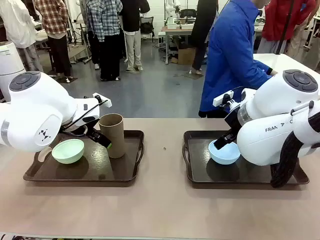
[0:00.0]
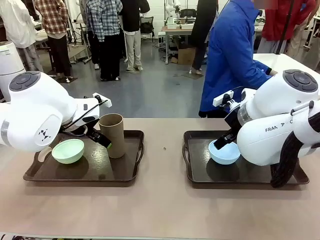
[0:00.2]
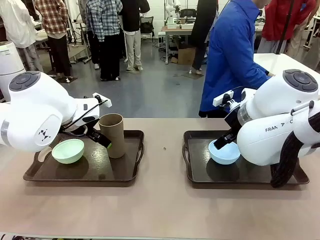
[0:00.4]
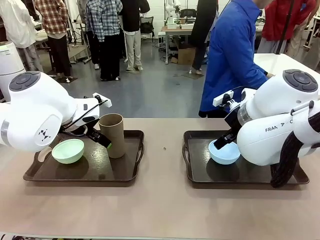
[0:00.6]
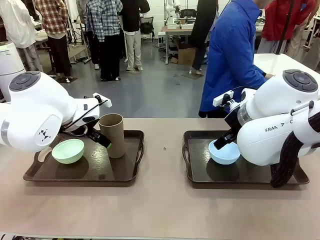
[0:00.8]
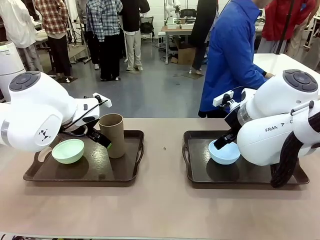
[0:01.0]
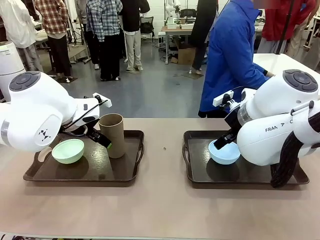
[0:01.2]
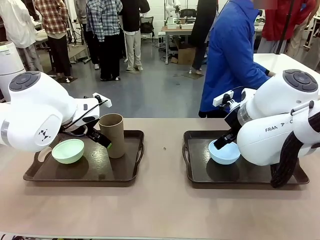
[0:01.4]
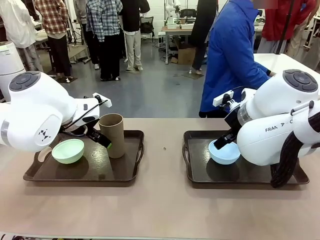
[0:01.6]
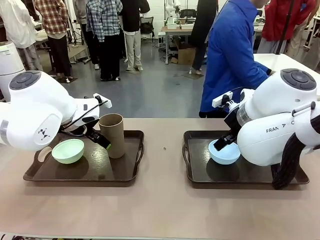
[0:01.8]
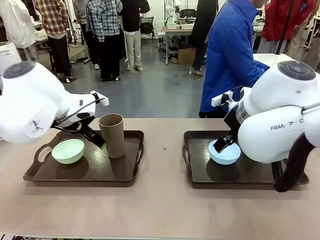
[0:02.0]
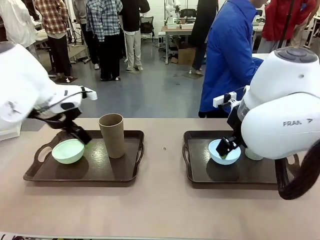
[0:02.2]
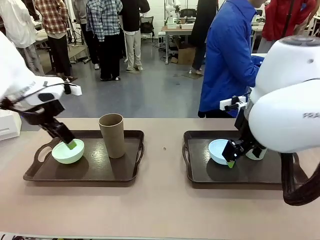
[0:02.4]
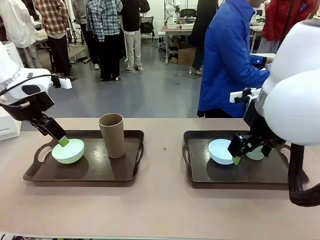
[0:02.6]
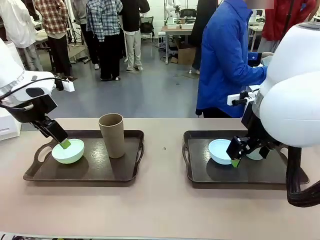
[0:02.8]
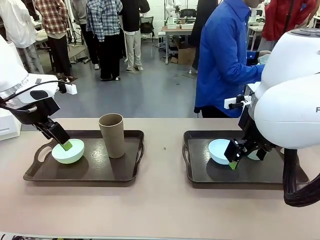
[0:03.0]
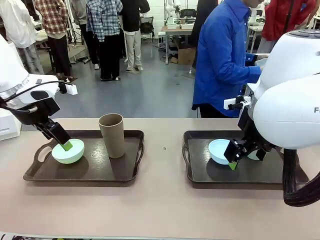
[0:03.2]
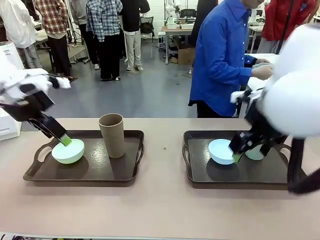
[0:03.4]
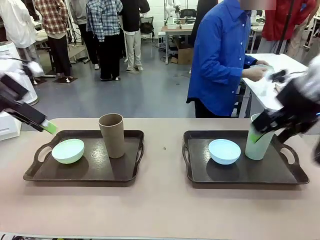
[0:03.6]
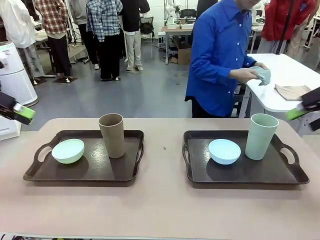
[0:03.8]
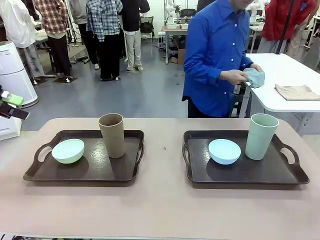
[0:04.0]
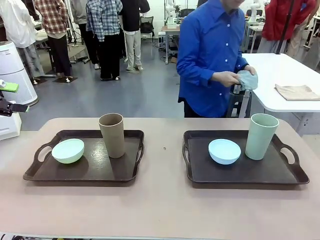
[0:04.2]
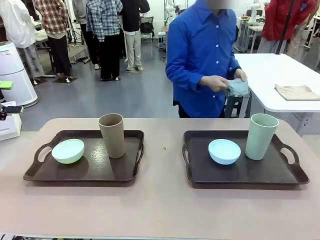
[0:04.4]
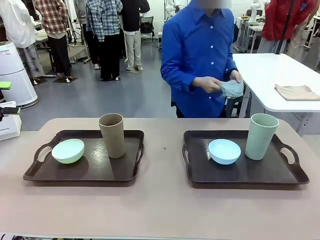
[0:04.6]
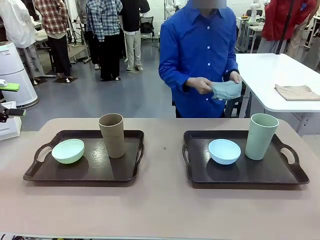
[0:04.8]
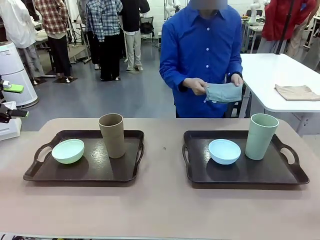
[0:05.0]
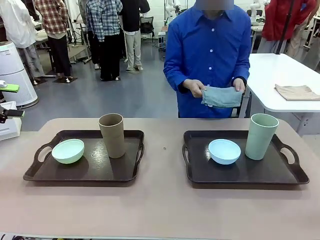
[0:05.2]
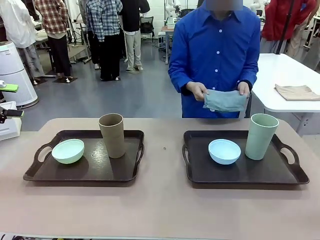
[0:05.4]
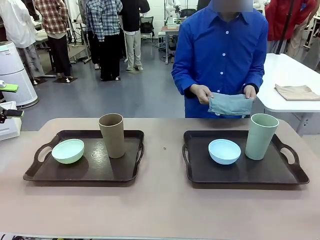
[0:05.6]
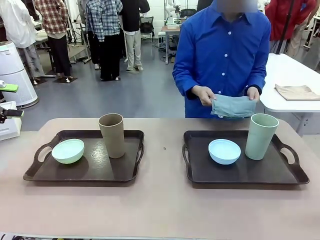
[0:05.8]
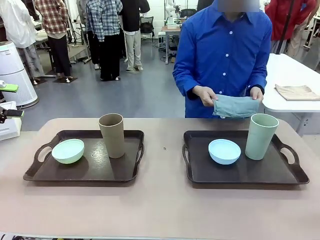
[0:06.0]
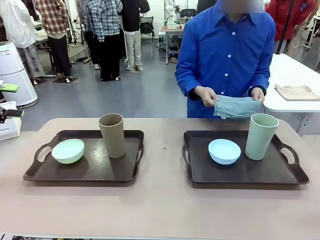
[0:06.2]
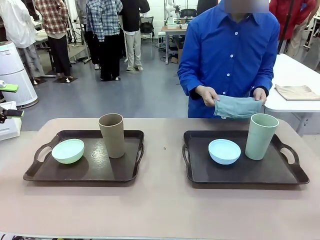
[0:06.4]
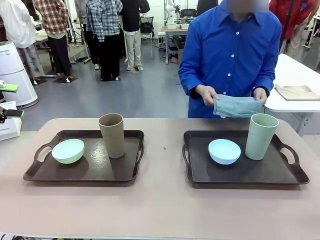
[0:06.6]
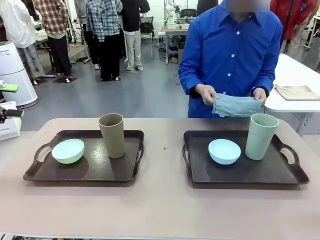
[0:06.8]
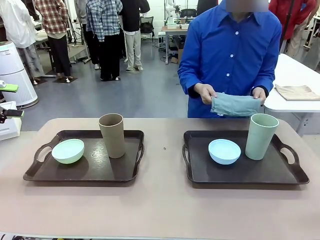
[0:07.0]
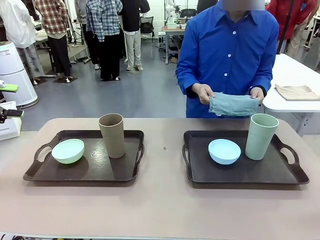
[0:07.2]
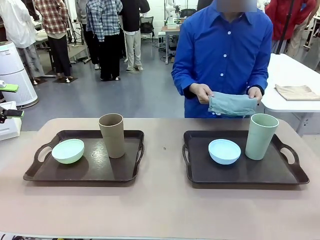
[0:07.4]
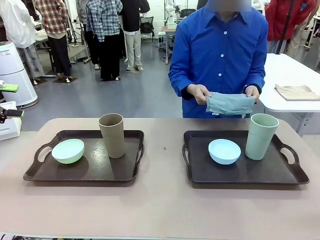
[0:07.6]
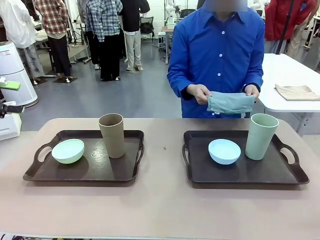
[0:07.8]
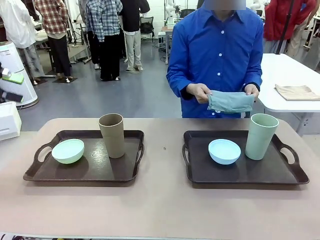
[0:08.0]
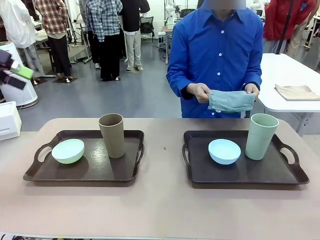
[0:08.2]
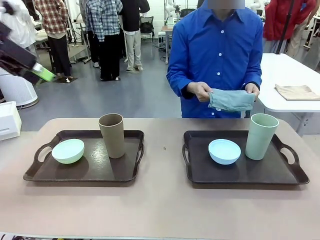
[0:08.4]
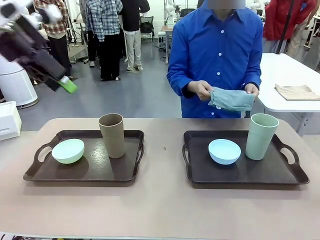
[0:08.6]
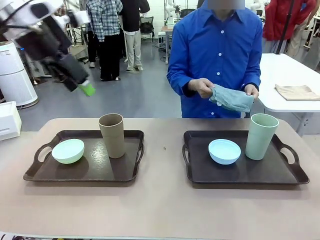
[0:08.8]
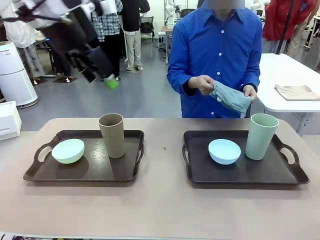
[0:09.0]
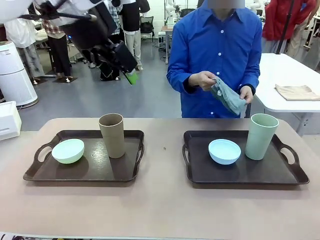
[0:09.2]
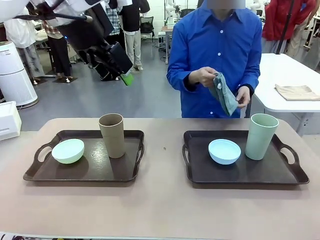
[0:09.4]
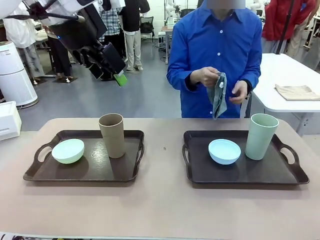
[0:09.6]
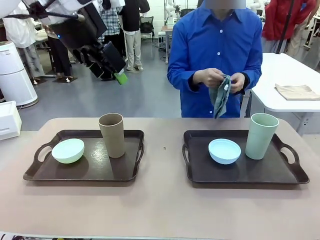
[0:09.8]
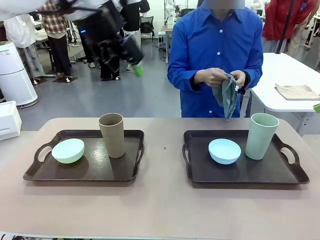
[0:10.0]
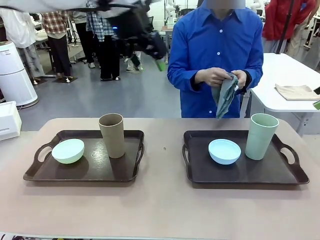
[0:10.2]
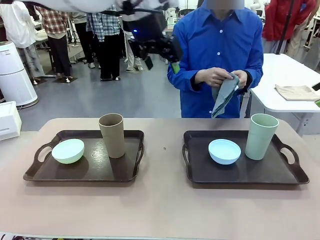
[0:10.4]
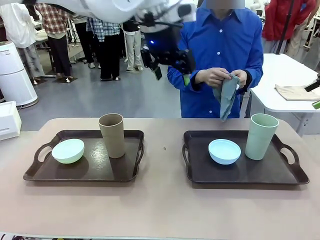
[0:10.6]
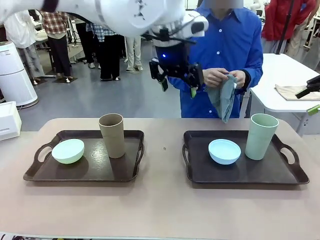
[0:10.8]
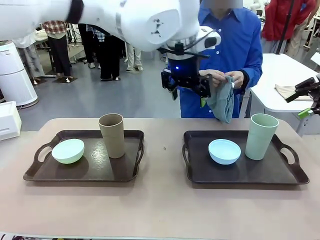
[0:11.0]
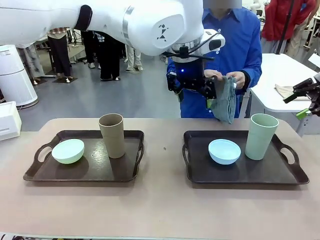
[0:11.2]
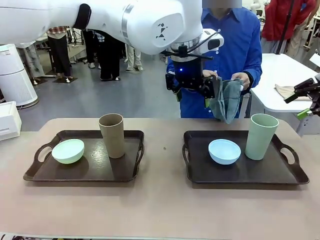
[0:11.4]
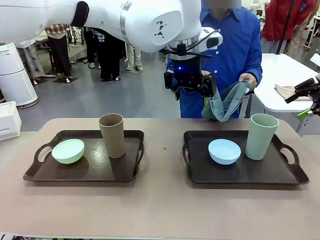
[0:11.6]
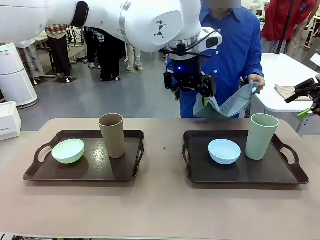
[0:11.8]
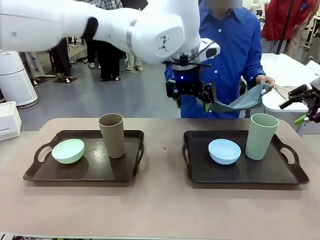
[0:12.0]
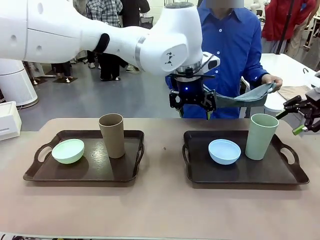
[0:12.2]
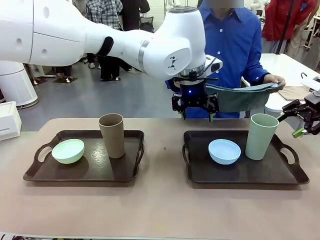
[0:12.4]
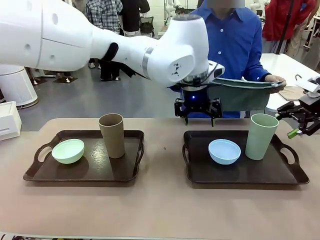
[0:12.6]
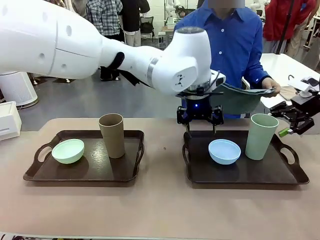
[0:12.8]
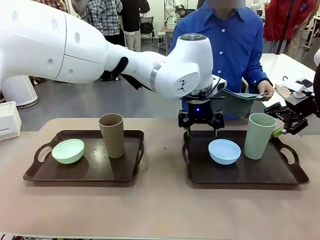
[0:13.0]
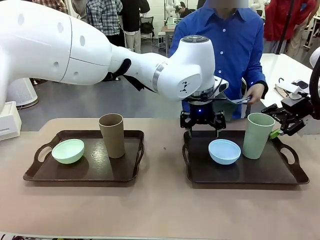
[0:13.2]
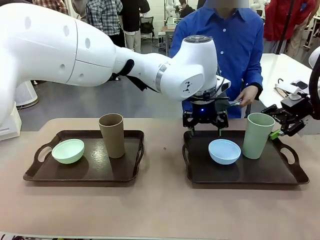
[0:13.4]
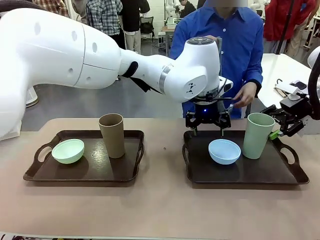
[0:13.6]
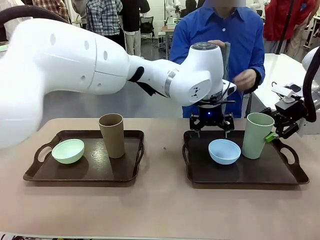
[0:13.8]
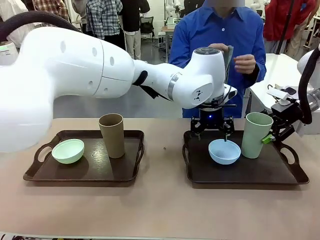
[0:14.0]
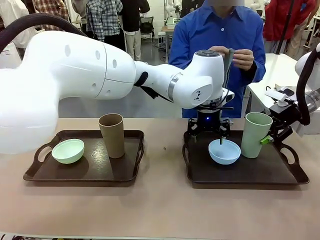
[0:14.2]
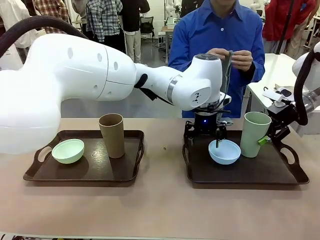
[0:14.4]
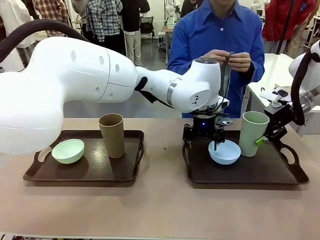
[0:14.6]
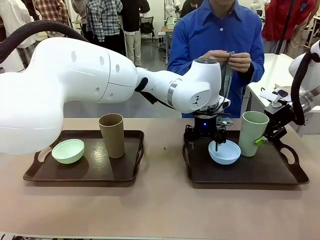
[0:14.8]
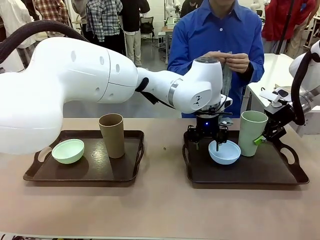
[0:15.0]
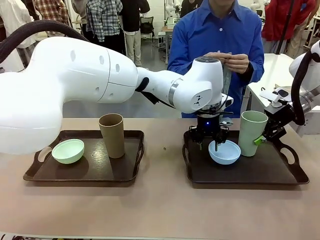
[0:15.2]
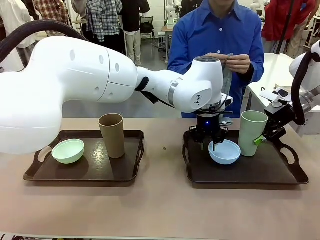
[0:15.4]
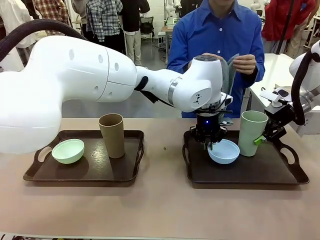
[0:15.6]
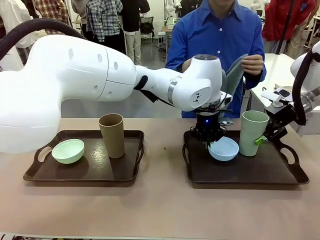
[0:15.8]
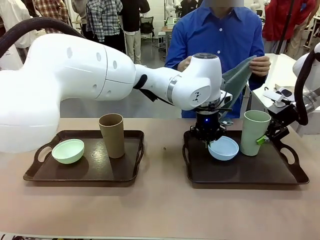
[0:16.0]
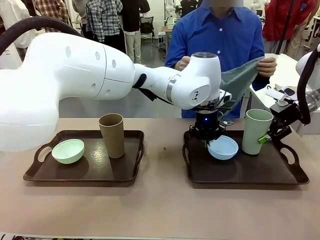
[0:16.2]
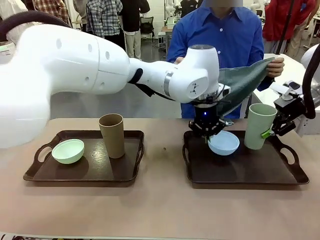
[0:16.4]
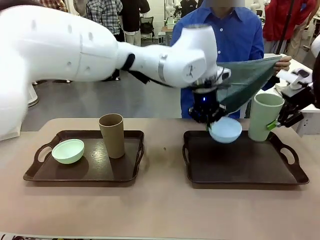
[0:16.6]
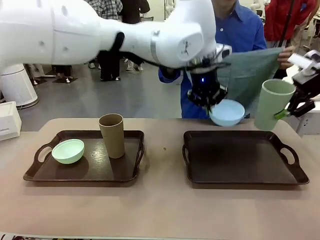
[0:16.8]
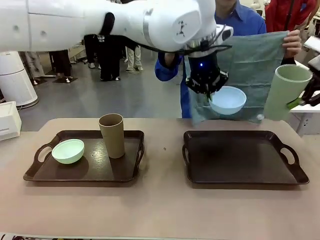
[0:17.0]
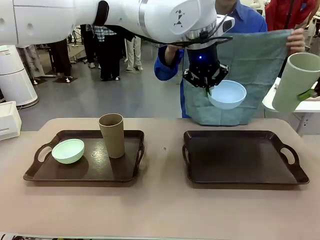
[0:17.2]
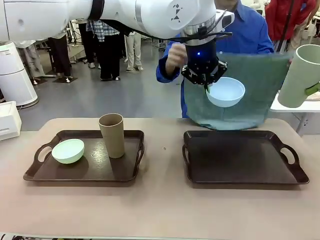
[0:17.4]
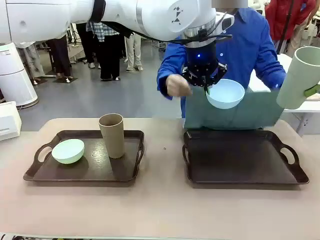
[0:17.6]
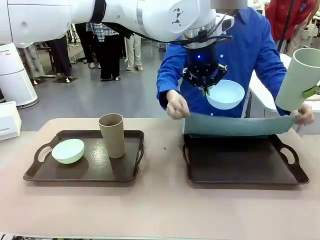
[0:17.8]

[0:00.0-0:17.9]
Robot: Pick up the Picnic Bowl and Reusable plastic cup from the Handle tray in front of the human's position and hold them in the air.
Person: The human picks up the top napkin from the stack on the human table and walks to the robot table to stand in front of one of the two trays. When the robot lifts the bowl and the cup, the human unfolds the napkin and lays the napkin flat on the tray.
